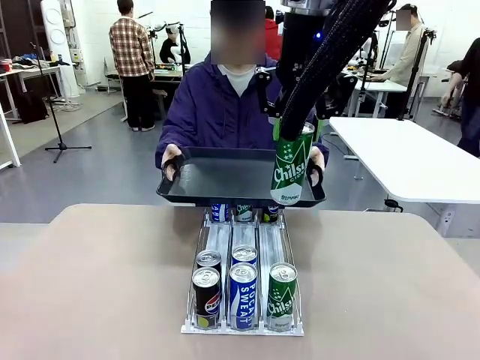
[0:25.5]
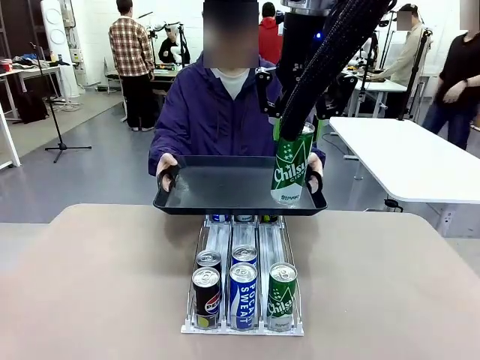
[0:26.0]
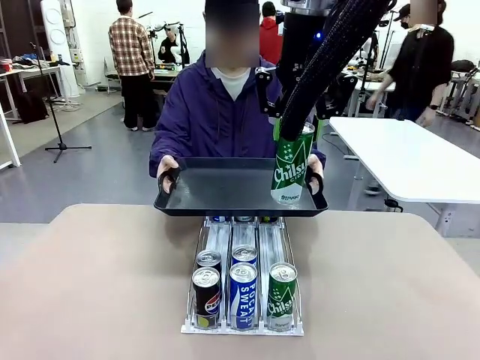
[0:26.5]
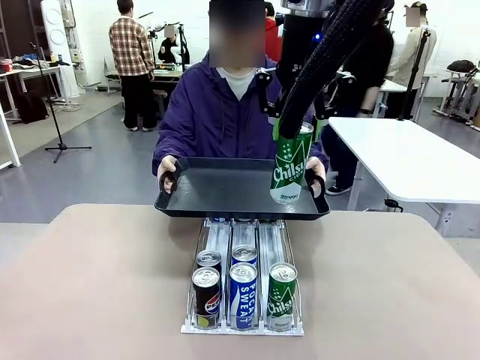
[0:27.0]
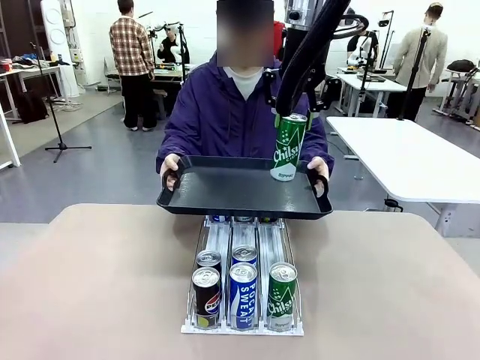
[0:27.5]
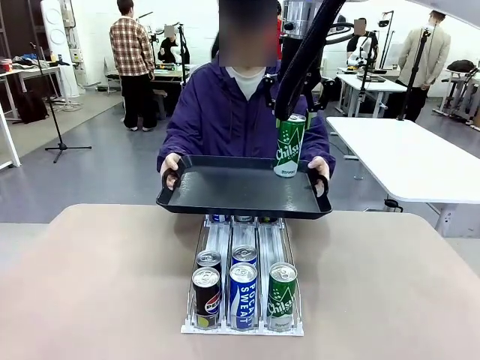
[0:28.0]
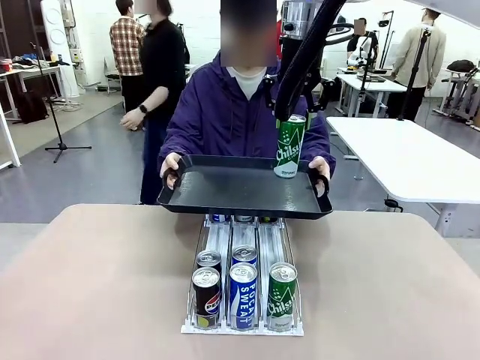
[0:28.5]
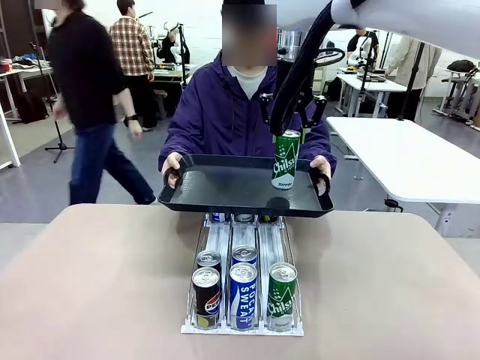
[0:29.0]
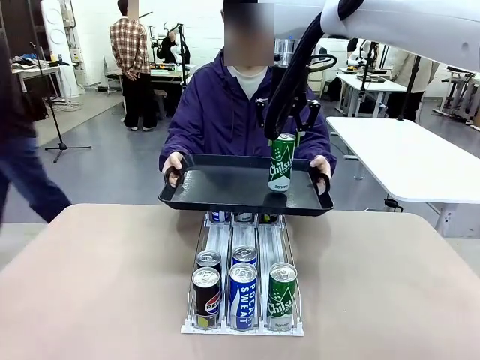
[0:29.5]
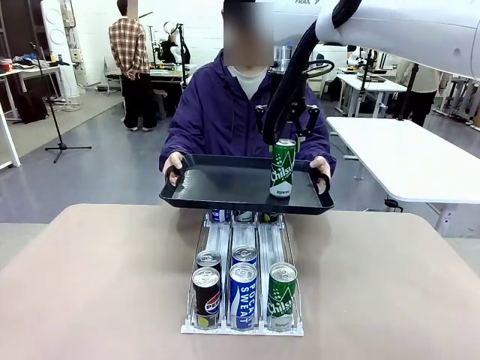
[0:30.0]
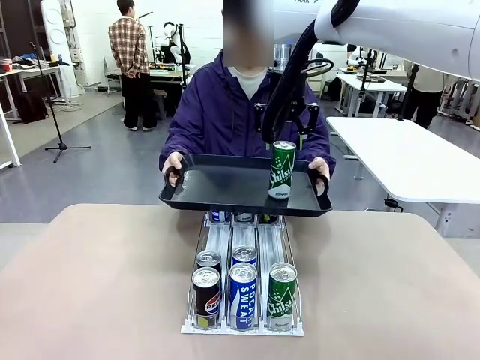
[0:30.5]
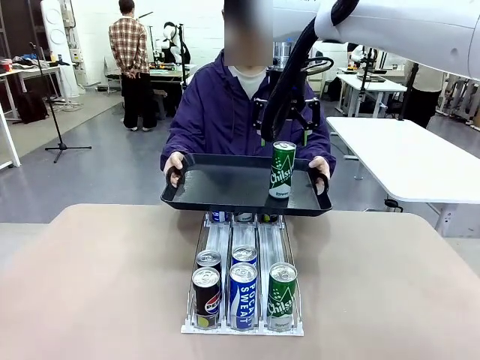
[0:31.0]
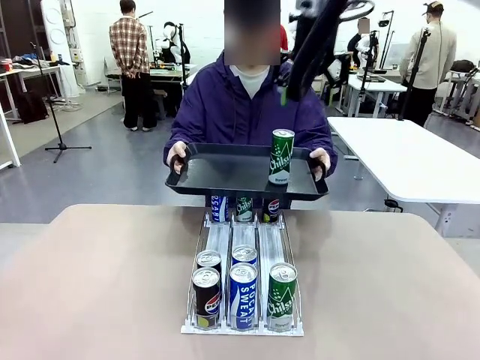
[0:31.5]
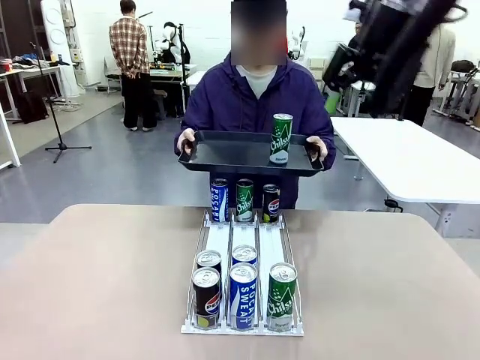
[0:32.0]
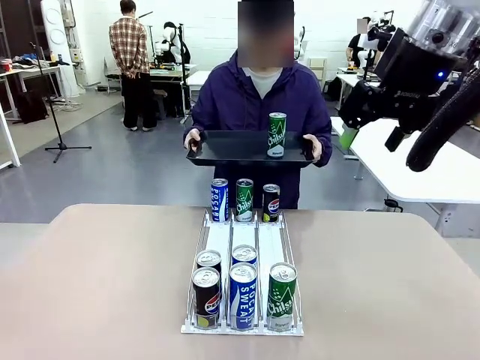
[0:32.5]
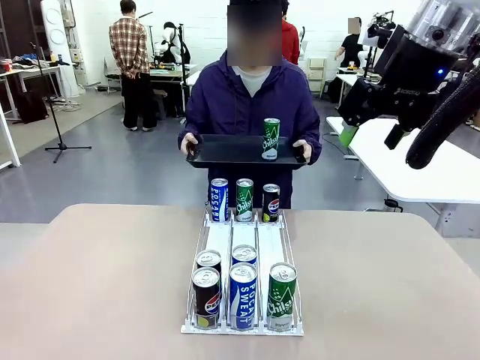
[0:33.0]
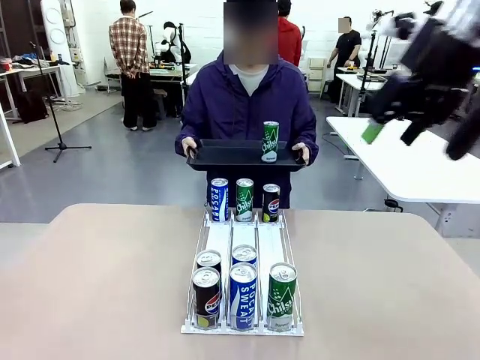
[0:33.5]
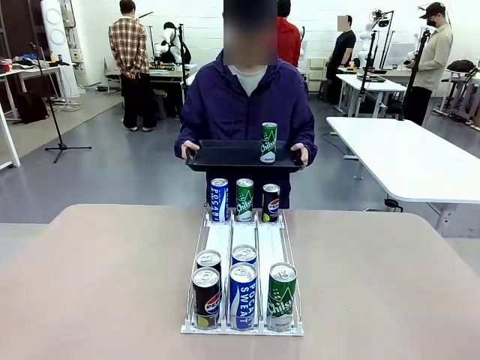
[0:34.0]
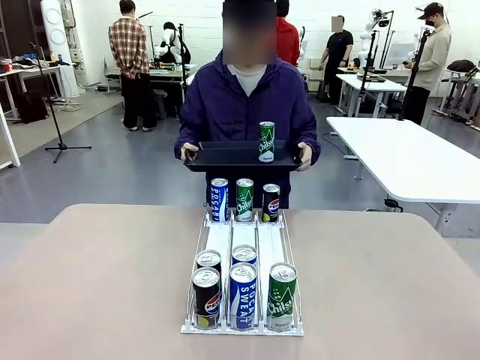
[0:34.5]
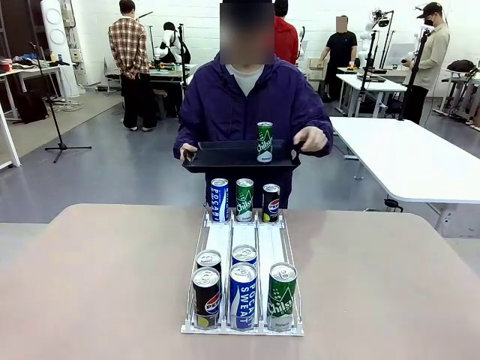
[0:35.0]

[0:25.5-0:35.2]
Task: Retrieve and hand over the desired beverage to the person.
Robot: Place the picked can on the Handle tray extended by the person.
Person: Pull the tray back, then pick up another can from the bottom area of the table and puts it back in its original place.

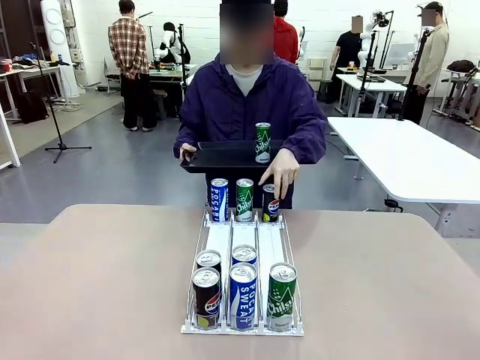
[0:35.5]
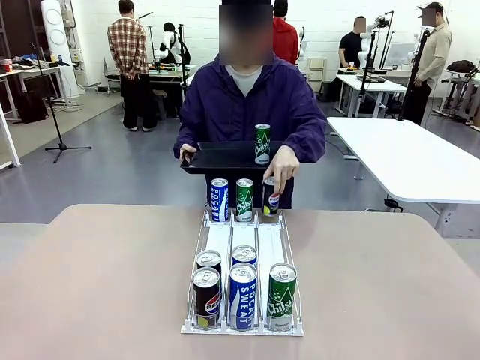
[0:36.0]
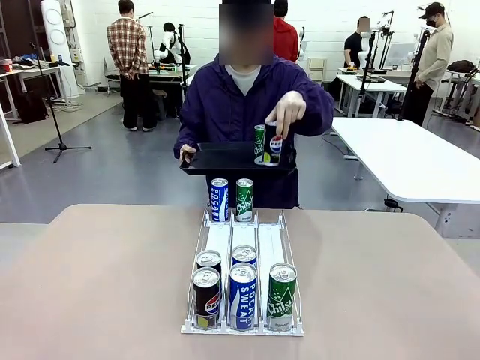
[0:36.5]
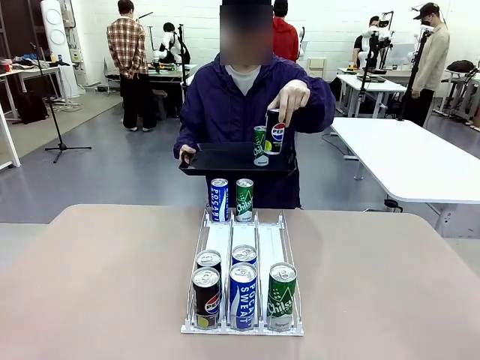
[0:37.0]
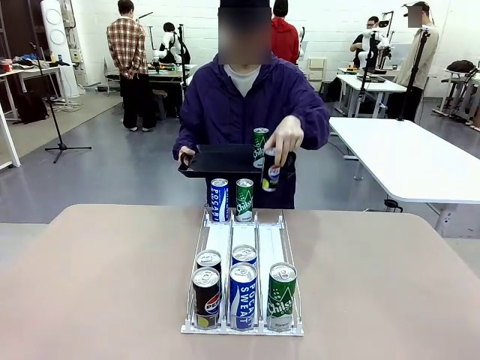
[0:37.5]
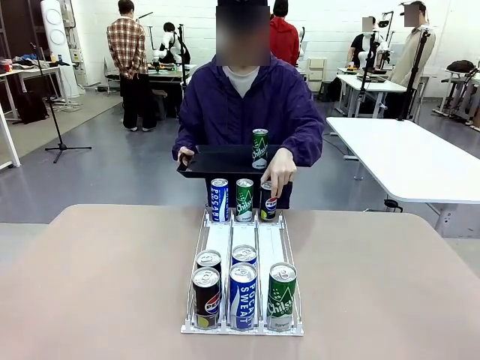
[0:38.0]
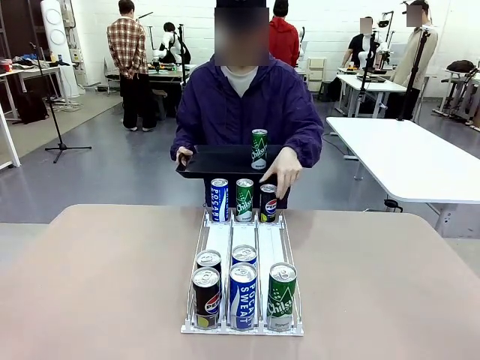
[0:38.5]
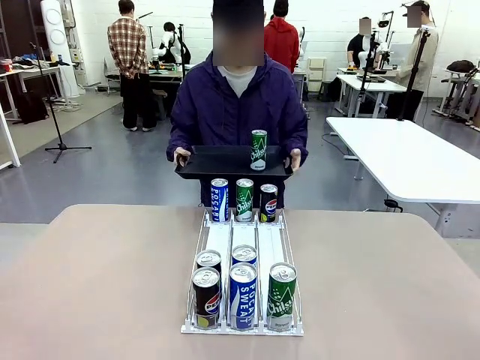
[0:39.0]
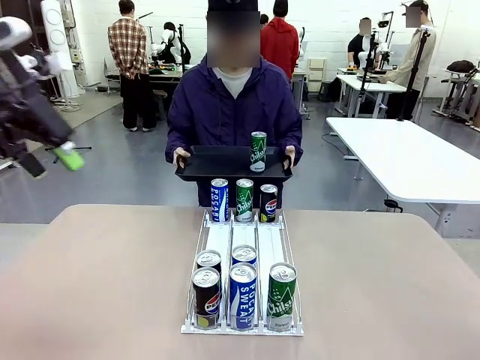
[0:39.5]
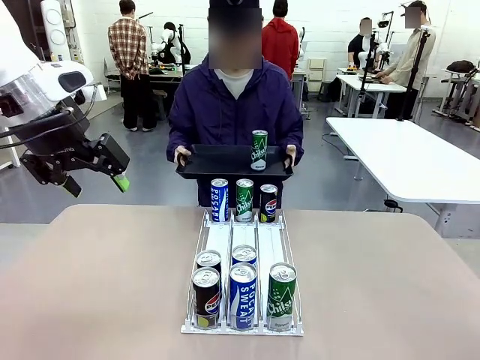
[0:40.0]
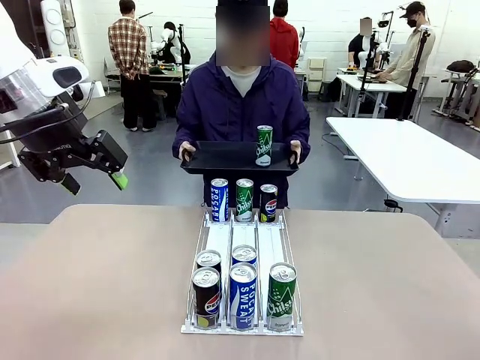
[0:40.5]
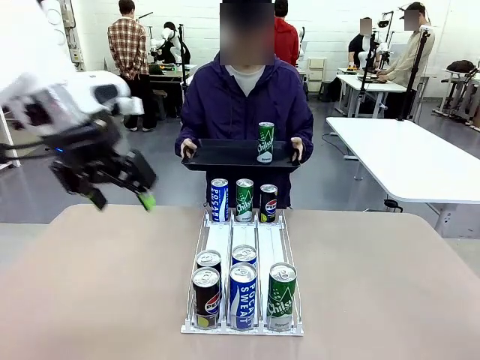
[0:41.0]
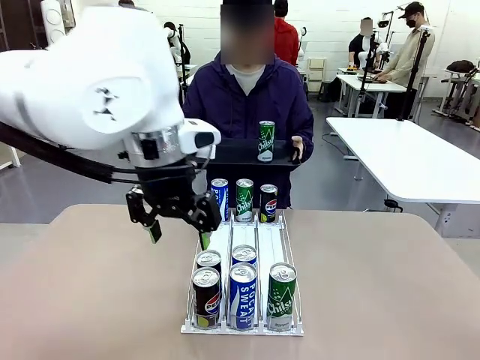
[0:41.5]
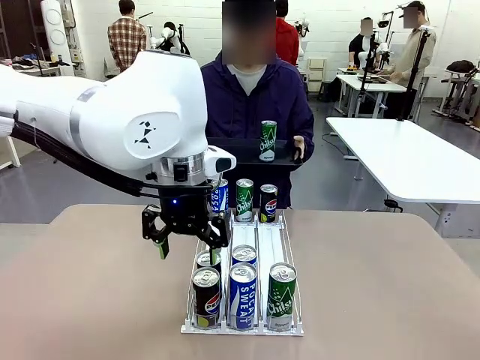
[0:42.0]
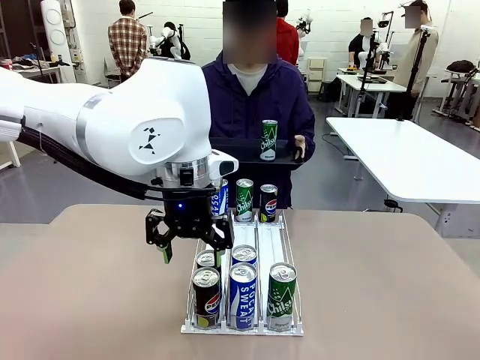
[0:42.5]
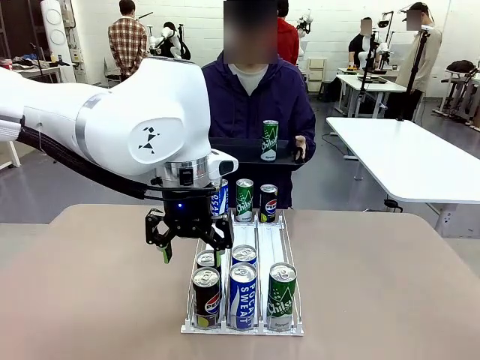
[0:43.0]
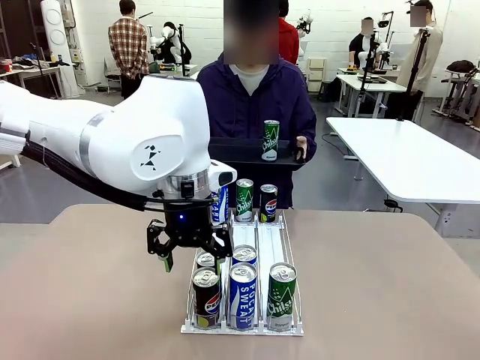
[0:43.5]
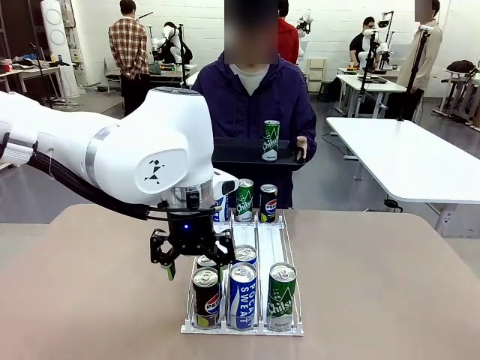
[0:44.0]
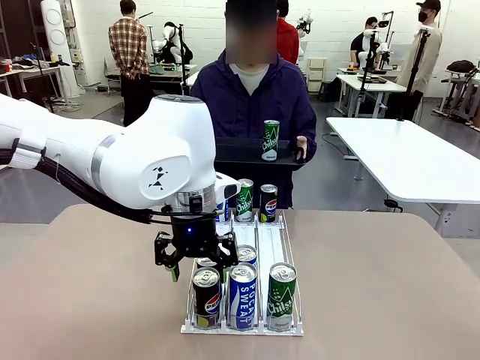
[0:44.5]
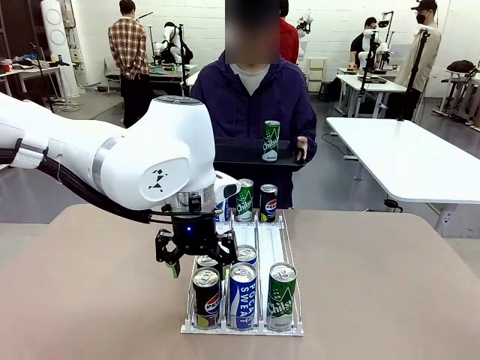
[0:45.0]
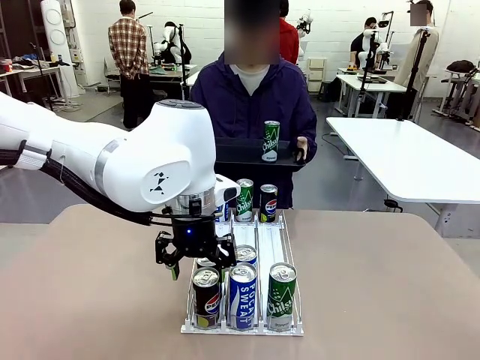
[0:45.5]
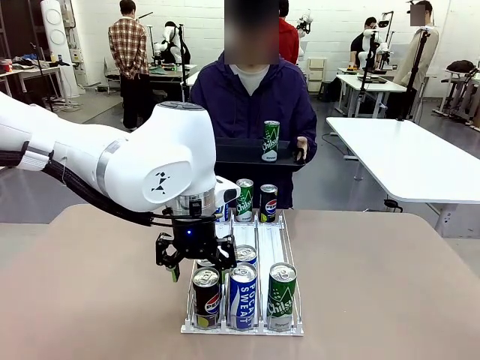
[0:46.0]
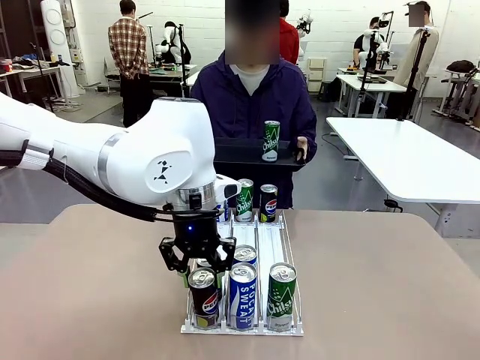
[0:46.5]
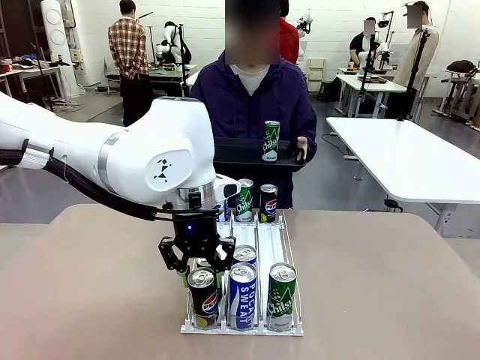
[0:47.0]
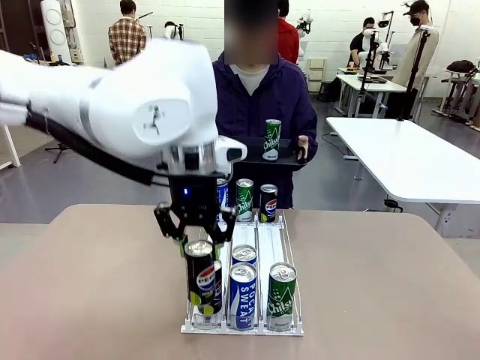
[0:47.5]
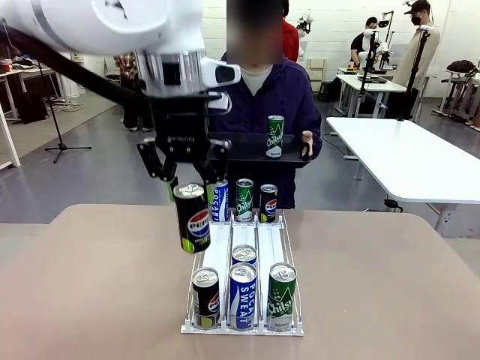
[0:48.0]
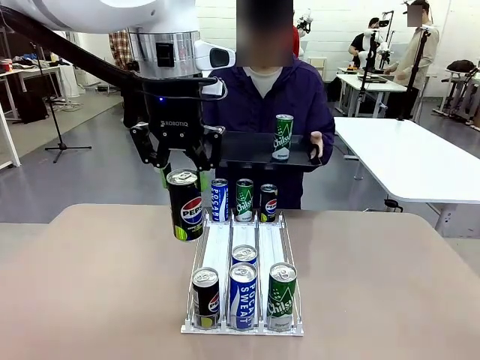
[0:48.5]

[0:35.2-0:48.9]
Robot: Pick up another can of the same type that the person held from the Automatic Can Dispenser.
Person: Push the tray toward the robot again.
